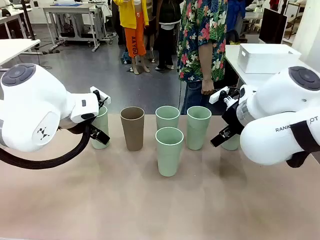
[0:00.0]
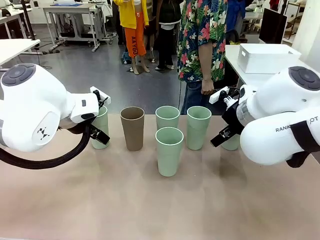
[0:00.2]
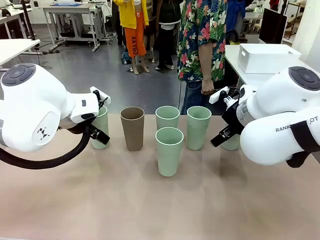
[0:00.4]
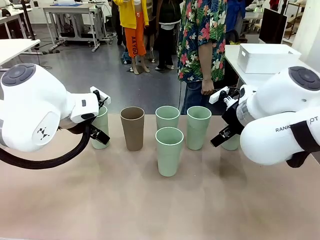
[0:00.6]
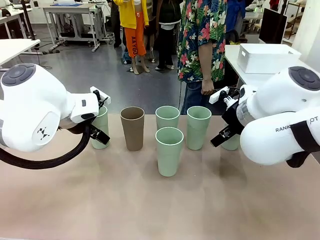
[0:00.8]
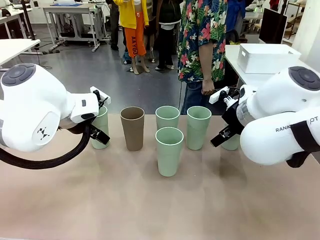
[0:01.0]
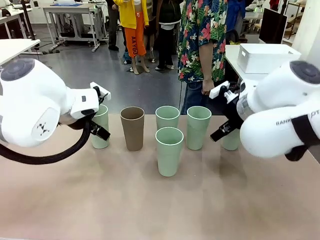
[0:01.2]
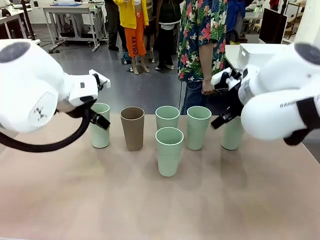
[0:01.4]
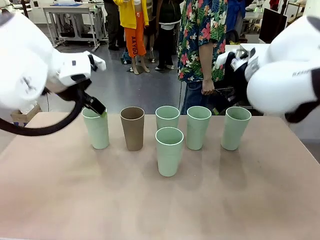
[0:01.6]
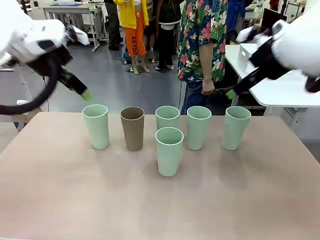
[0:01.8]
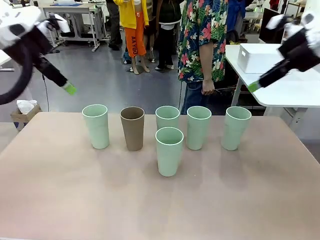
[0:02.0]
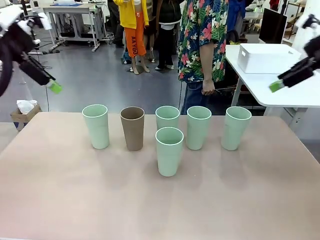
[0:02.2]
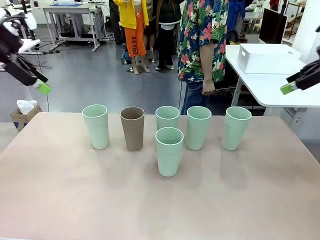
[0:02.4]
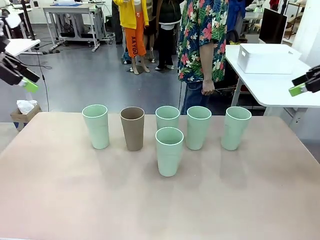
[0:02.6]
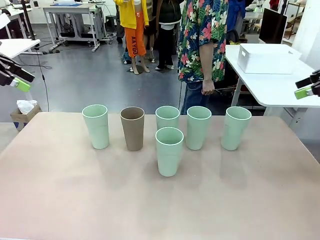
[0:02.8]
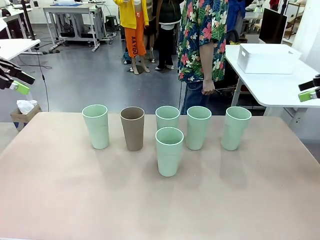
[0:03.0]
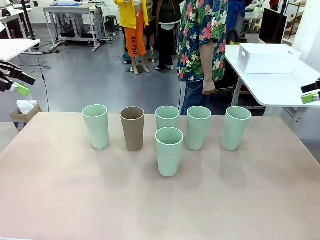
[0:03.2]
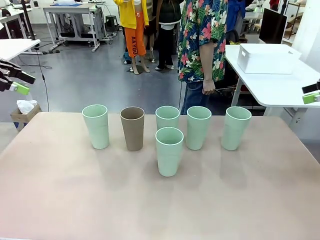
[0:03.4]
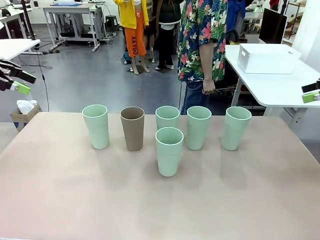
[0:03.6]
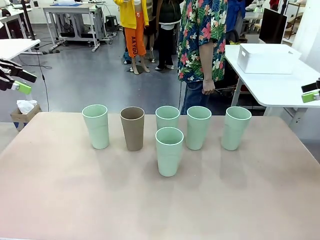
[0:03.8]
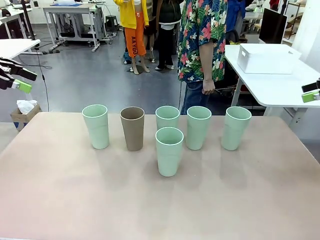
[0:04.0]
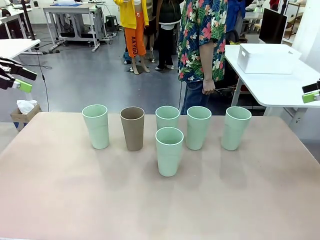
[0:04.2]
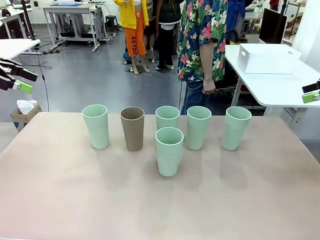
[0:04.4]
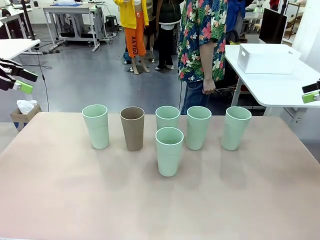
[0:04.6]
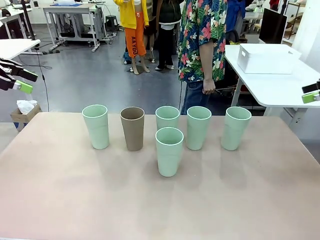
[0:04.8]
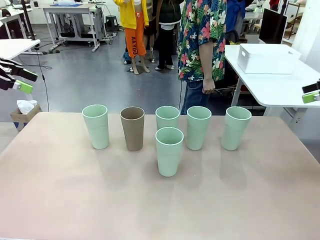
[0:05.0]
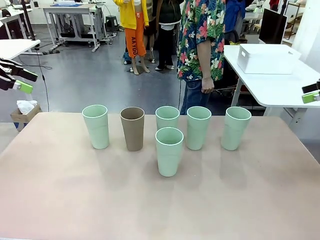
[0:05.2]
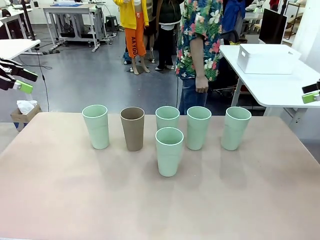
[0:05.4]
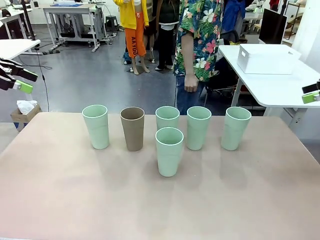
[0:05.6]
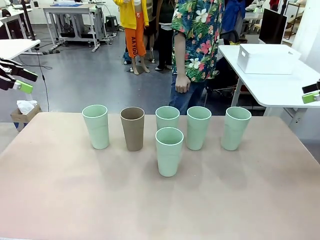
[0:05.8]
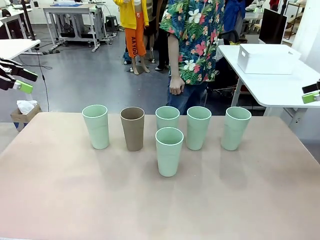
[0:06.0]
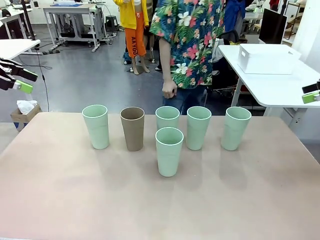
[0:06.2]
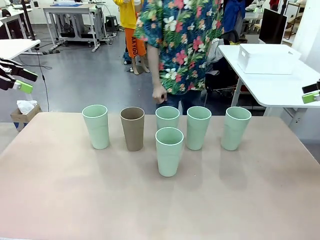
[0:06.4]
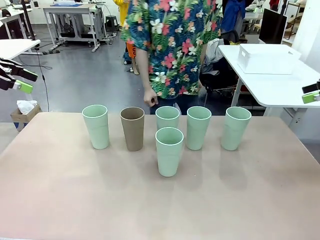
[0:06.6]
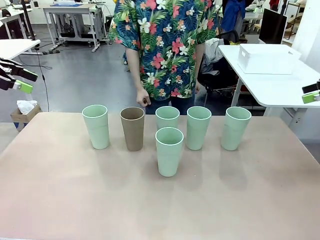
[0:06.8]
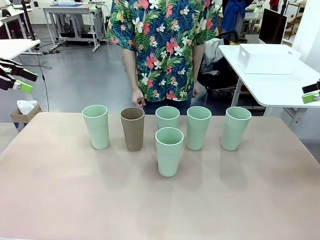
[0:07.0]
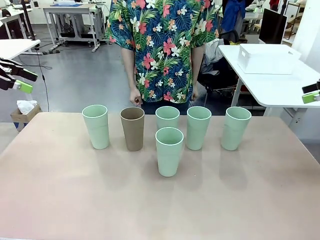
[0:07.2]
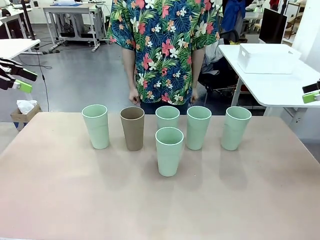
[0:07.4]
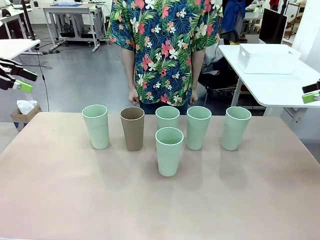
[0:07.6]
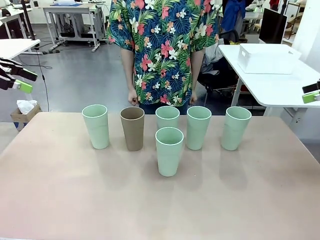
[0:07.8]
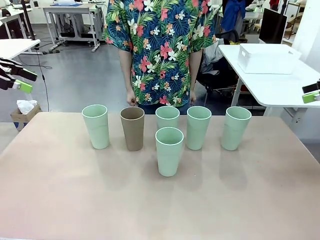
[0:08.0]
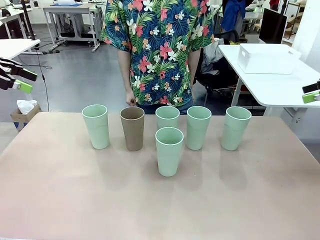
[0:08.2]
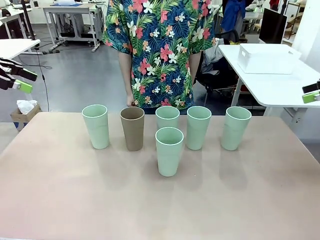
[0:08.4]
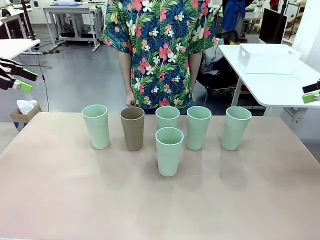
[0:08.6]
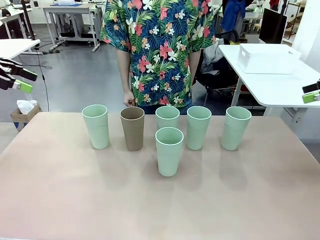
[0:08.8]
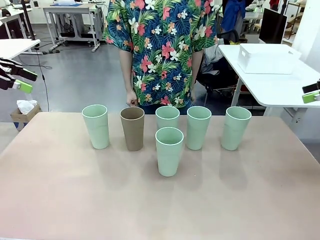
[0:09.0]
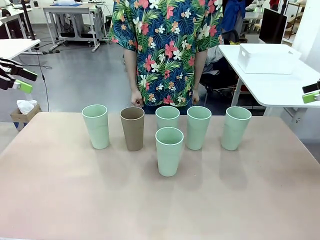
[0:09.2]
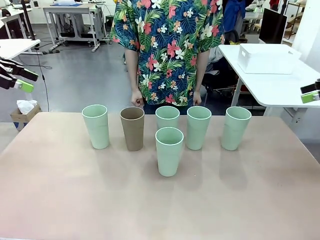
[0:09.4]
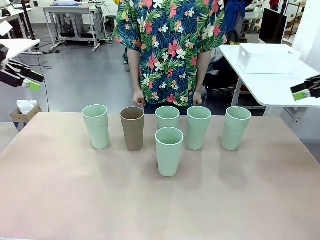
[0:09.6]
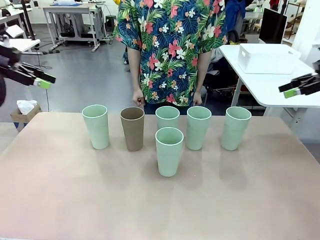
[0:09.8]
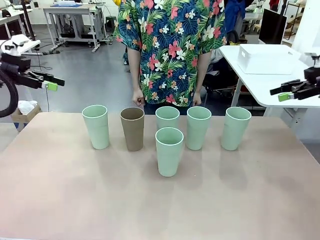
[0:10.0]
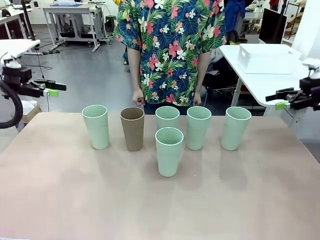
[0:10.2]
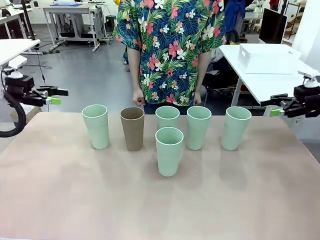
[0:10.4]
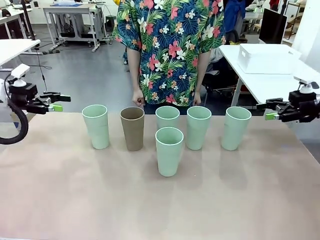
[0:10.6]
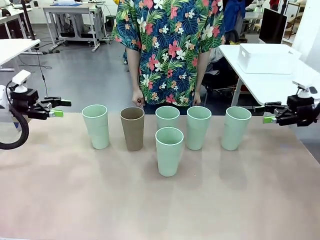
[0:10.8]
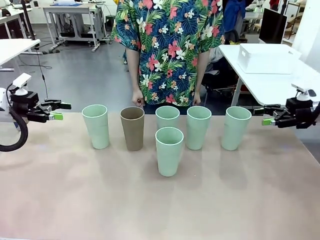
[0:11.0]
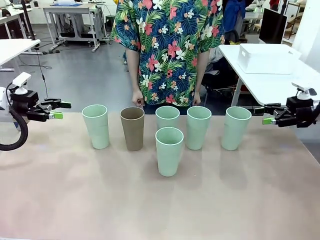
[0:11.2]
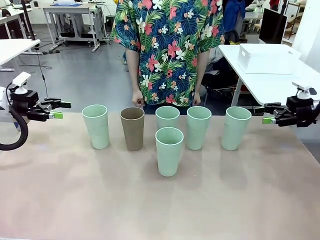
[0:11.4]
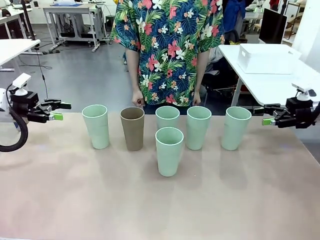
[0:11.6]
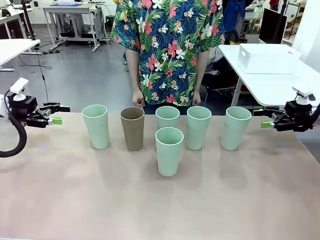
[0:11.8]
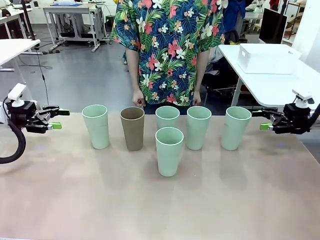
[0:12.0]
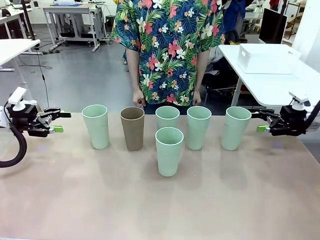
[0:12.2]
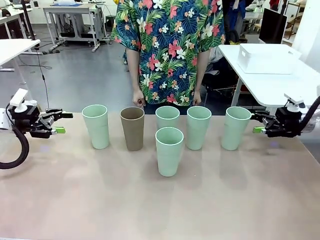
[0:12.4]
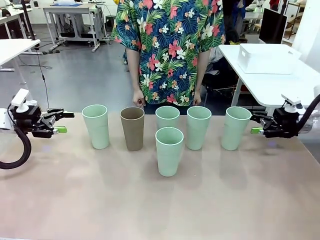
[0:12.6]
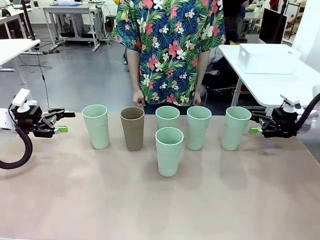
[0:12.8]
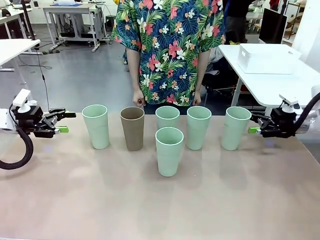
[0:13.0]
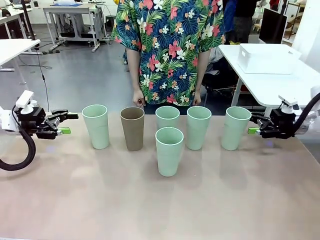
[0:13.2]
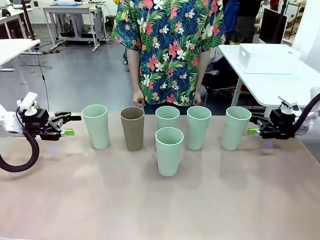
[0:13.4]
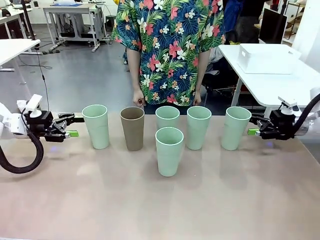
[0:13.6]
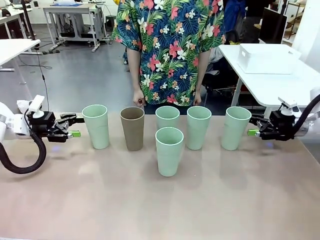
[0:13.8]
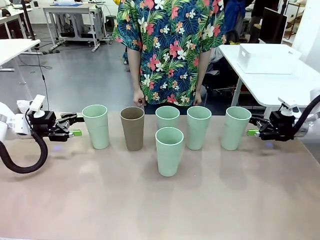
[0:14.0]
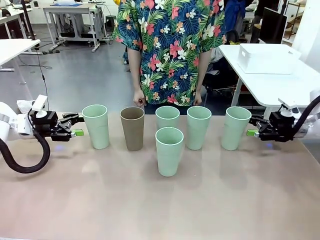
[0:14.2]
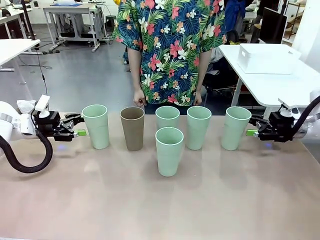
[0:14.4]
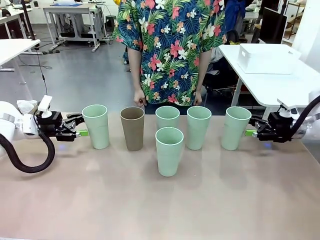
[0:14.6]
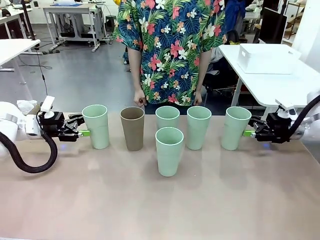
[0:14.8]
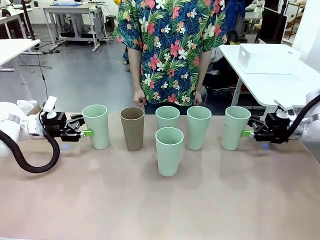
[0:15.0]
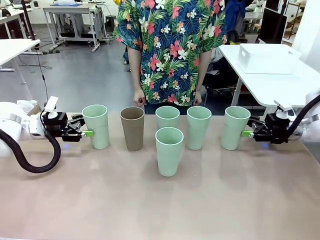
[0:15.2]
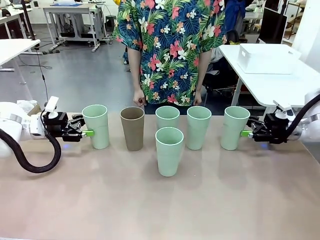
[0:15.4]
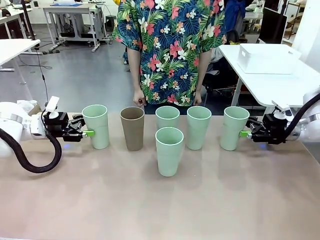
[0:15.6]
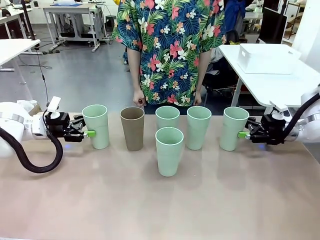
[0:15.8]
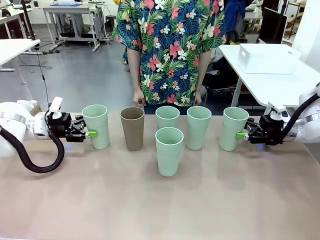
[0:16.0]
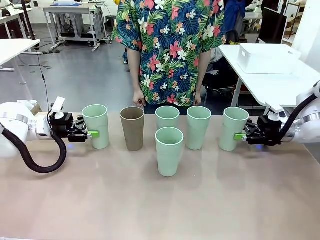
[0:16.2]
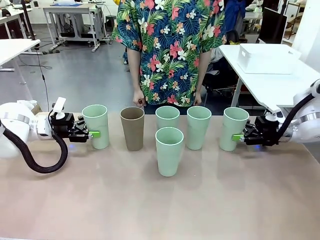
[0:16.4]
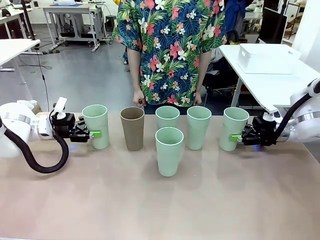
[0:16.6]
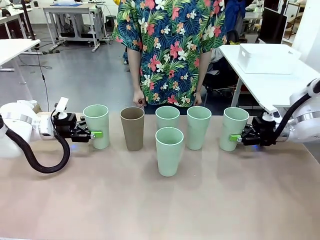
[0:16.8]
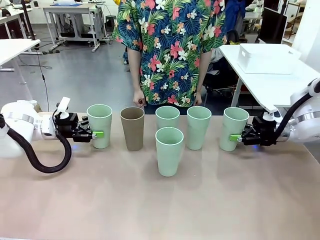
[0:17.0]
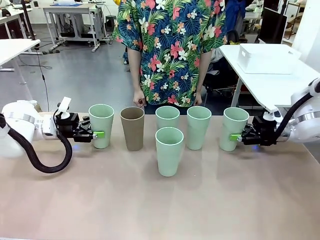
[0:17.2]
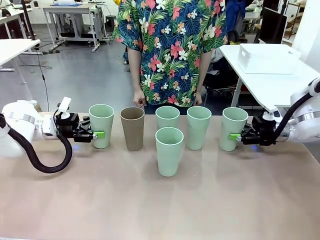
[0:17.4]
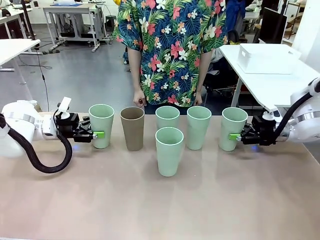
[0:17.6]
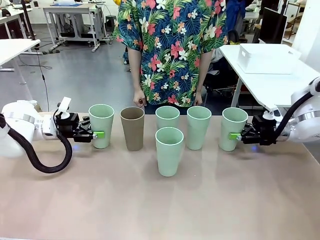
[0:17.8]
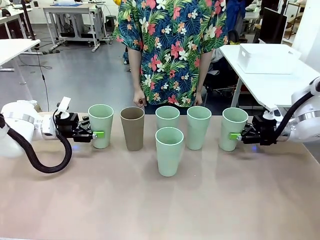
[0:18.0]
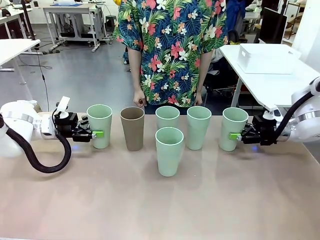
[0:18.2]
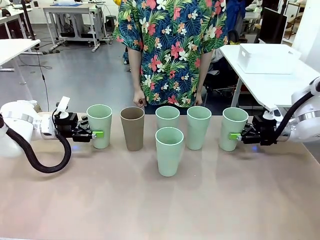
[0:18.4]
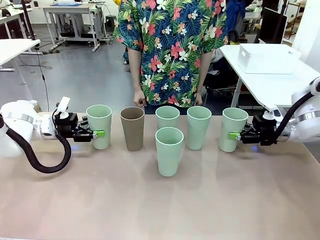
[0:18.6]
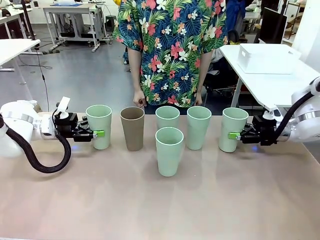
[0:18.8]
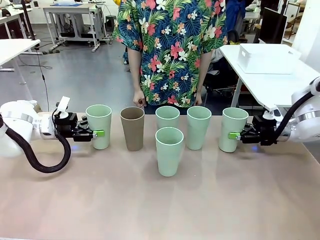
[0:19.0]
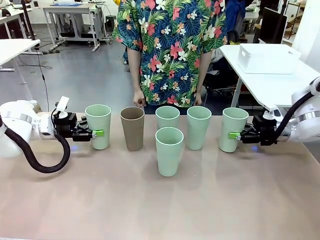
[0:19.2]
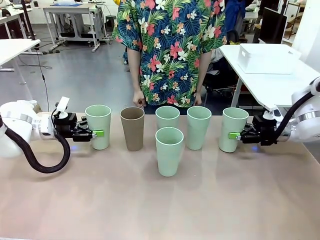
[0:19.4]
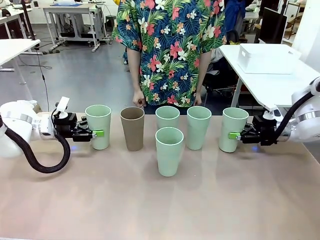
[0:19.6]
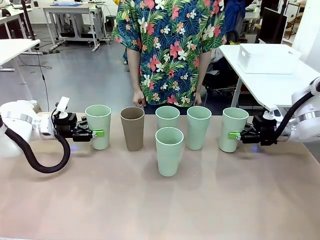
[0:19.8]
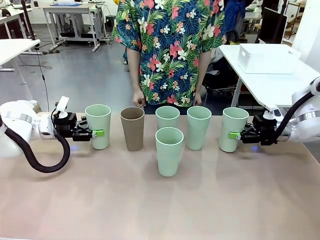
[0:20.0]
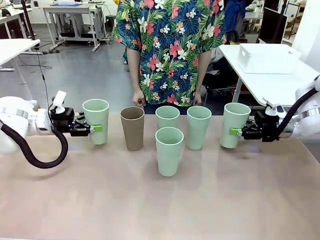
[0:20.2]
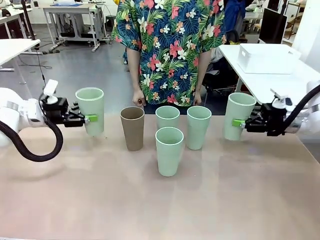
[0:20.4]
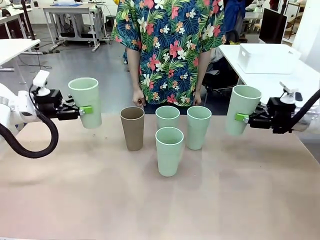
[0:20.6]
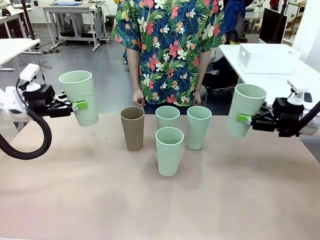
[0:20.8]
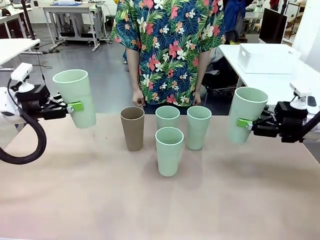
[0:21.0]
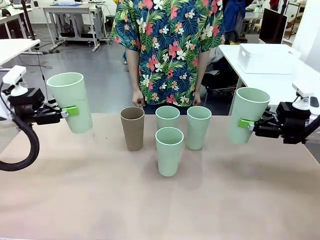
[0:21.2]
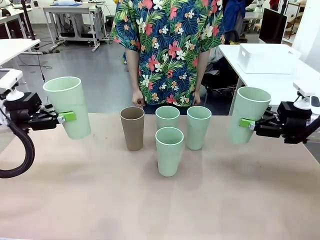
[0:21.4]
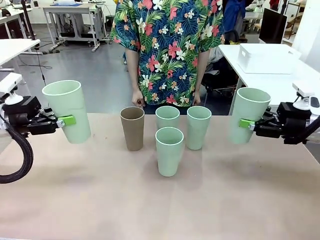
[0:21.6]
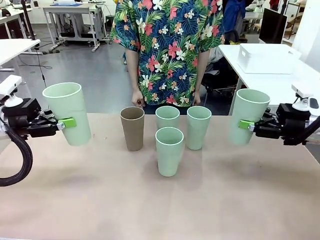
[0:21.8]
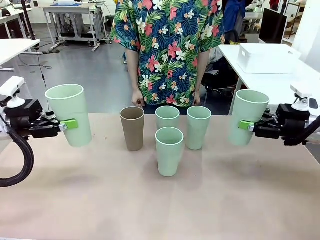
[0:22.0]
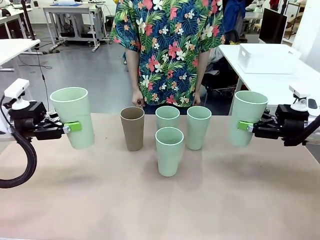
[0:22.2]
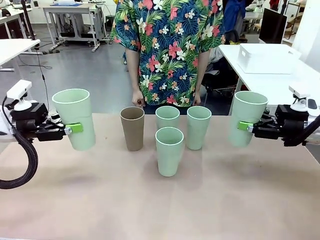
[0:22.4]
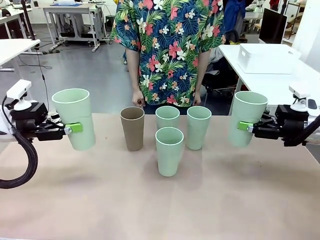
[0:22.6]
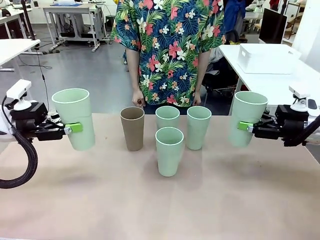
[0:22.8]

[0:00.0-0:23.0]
Task: Stack the cups and store them in the basket.
Robot: Pick up two Reusable plastic cups , one in each hand.
Person: Move from the Human Table to the front of the Robot Table. Stack two of the remaining cups on top of each cup held by the robot.
